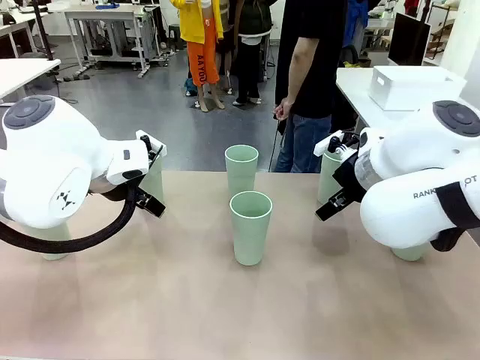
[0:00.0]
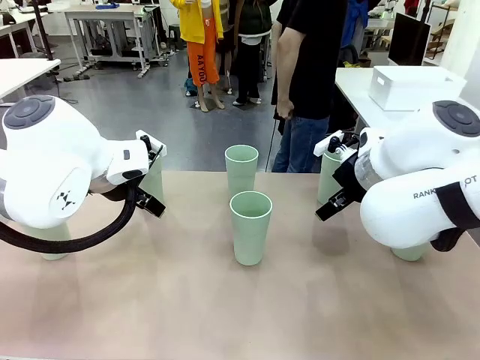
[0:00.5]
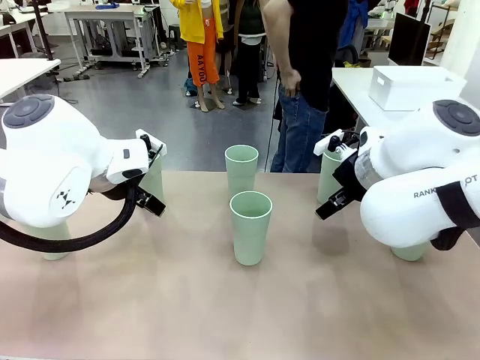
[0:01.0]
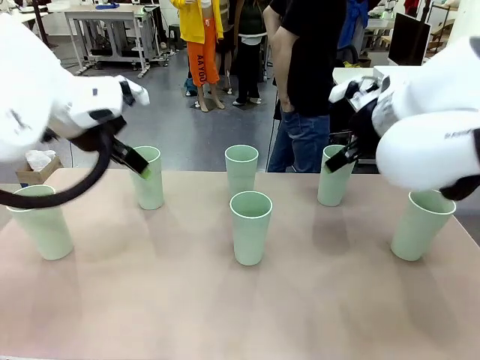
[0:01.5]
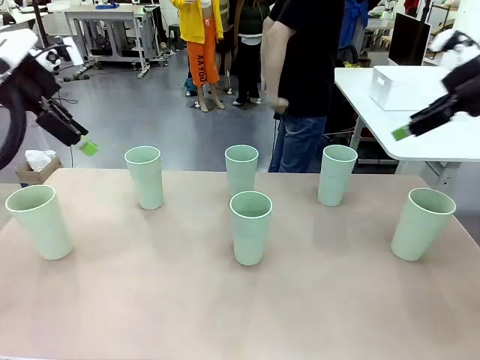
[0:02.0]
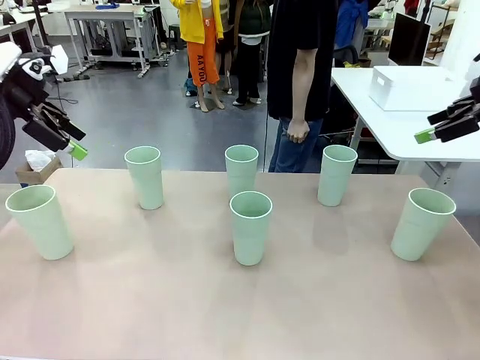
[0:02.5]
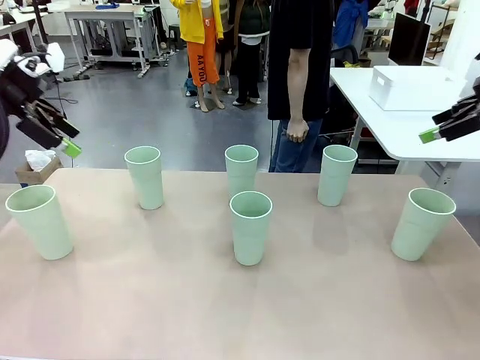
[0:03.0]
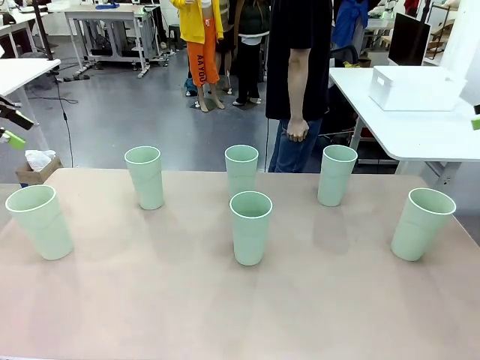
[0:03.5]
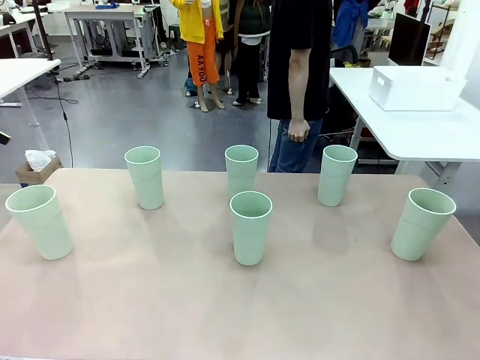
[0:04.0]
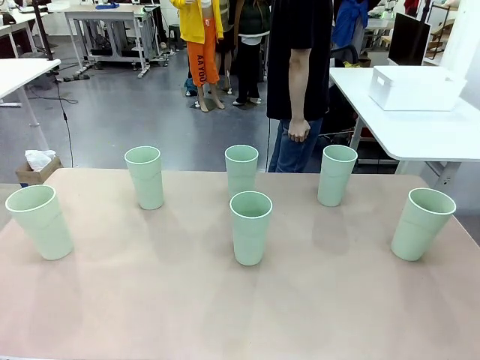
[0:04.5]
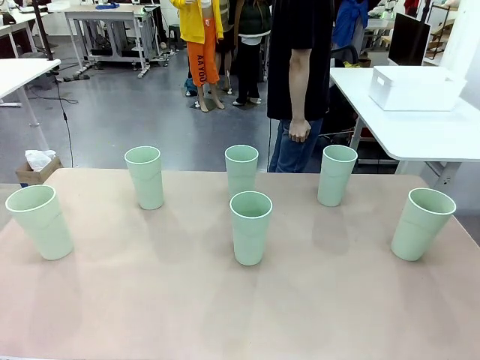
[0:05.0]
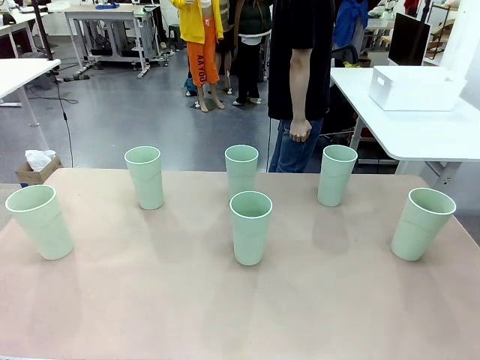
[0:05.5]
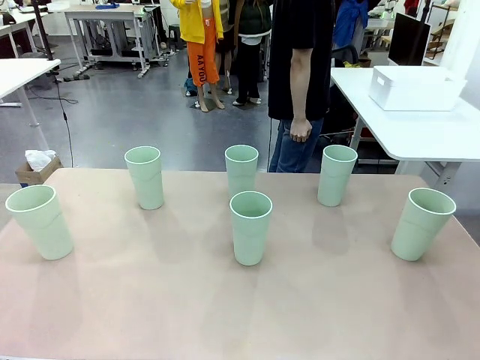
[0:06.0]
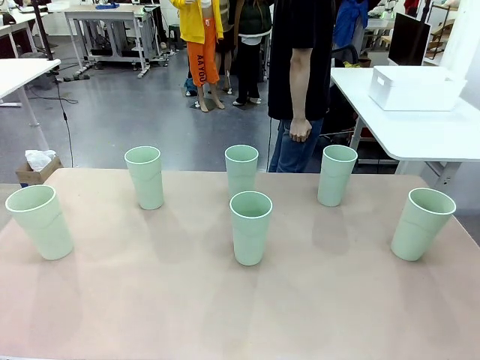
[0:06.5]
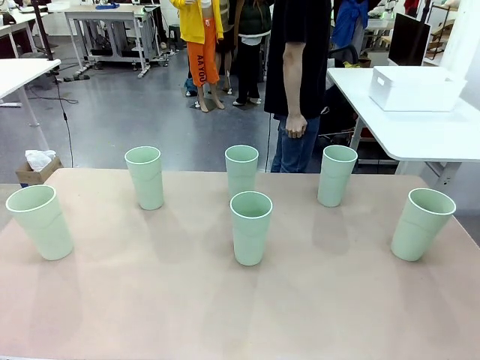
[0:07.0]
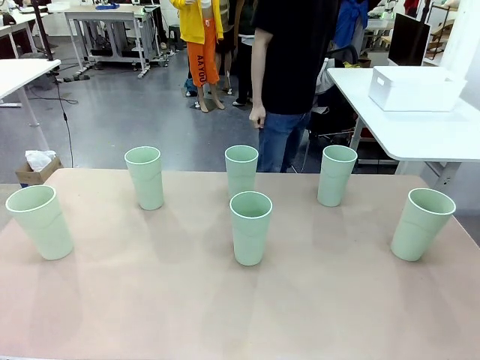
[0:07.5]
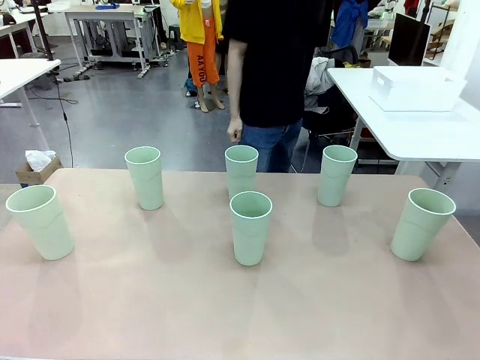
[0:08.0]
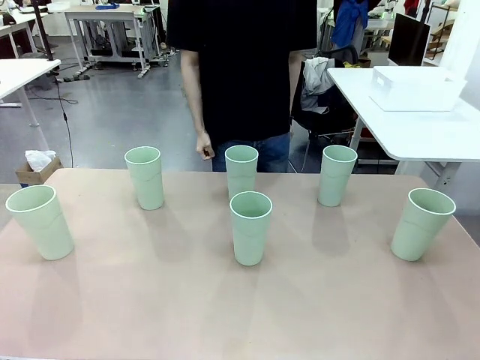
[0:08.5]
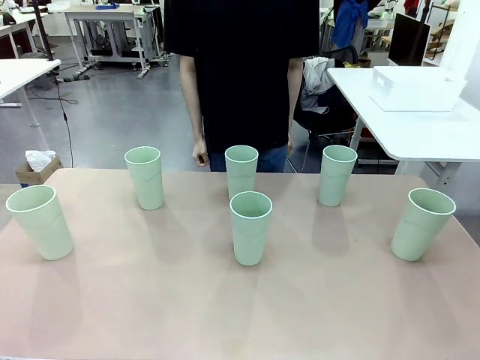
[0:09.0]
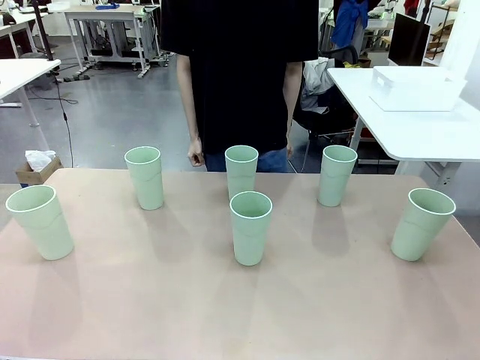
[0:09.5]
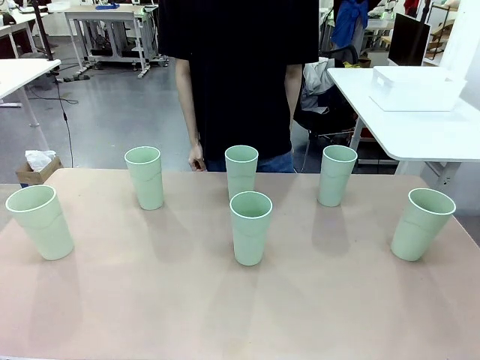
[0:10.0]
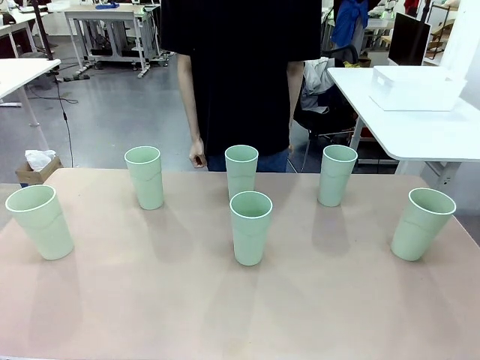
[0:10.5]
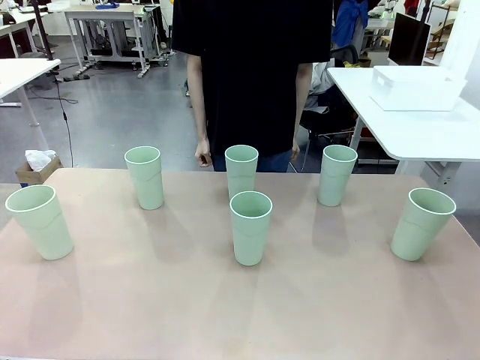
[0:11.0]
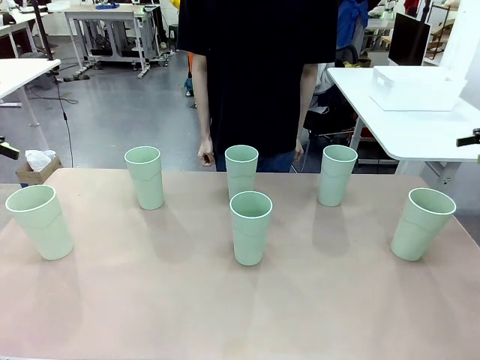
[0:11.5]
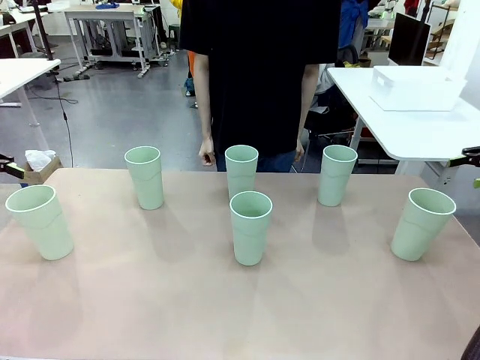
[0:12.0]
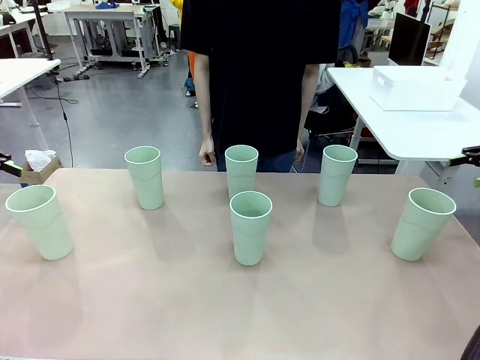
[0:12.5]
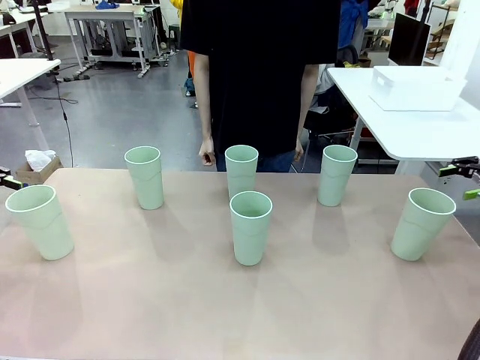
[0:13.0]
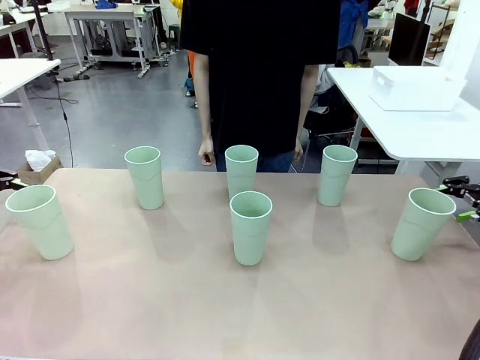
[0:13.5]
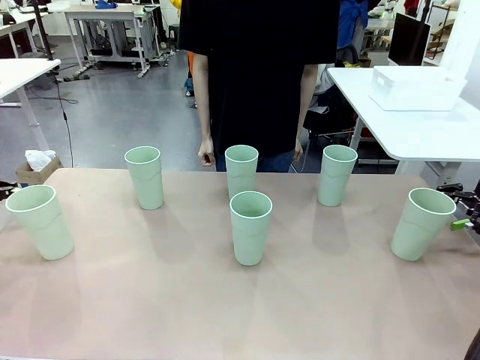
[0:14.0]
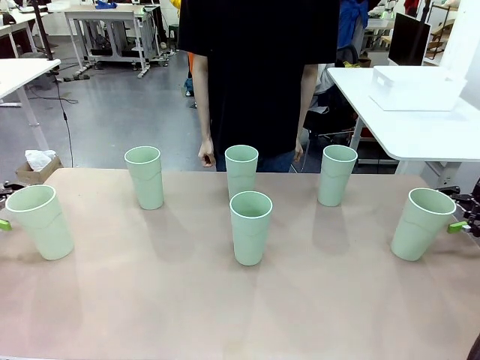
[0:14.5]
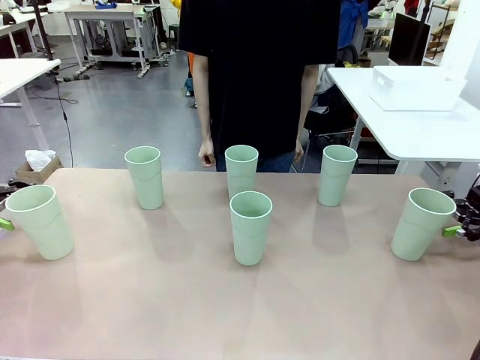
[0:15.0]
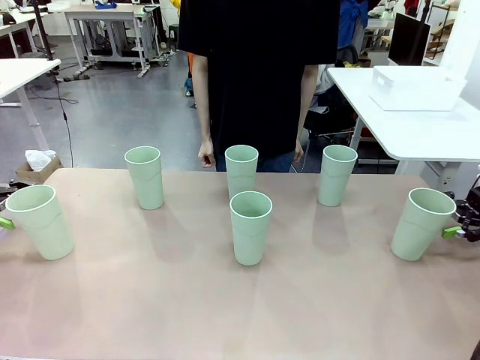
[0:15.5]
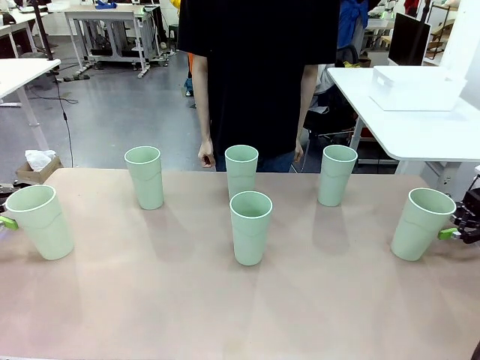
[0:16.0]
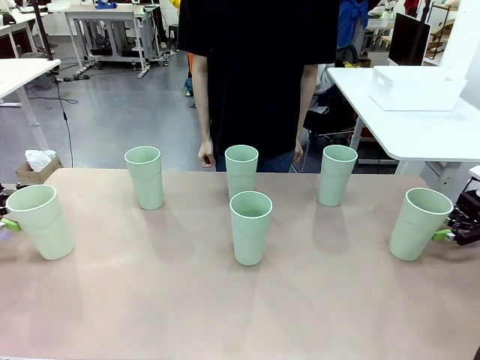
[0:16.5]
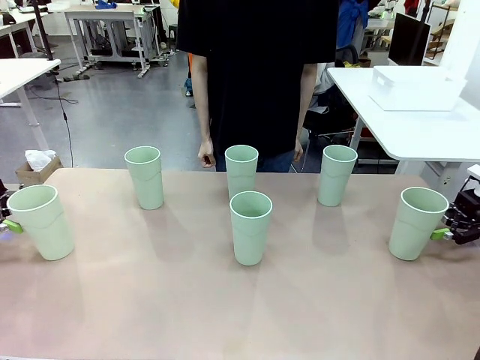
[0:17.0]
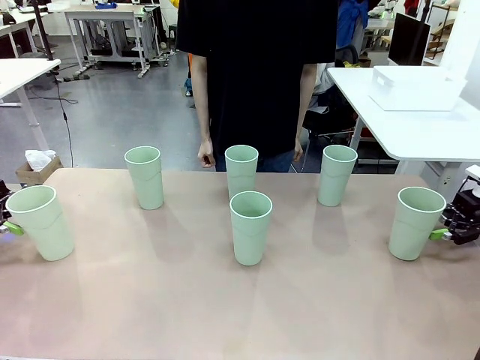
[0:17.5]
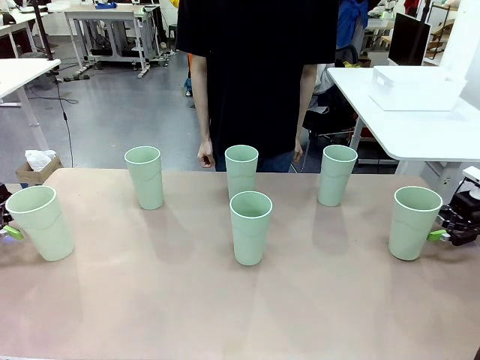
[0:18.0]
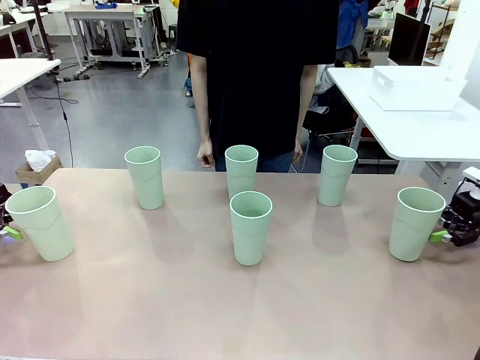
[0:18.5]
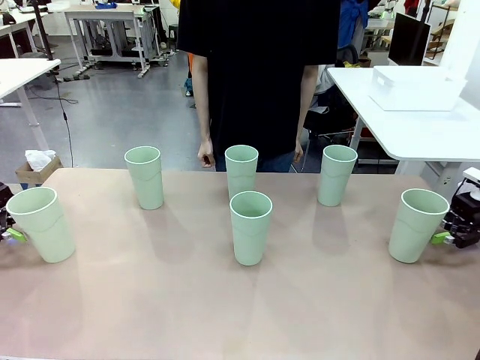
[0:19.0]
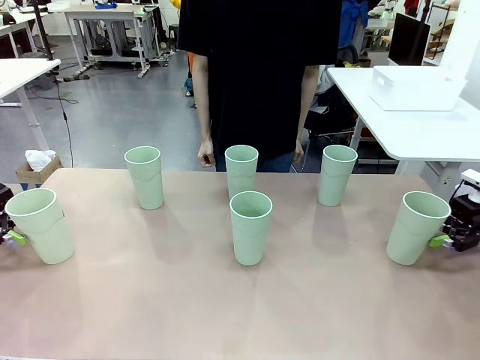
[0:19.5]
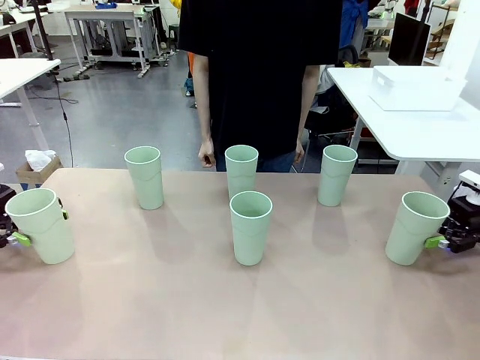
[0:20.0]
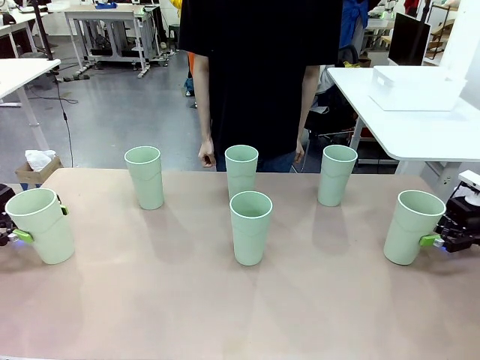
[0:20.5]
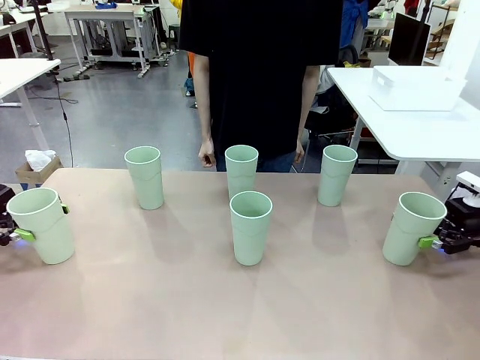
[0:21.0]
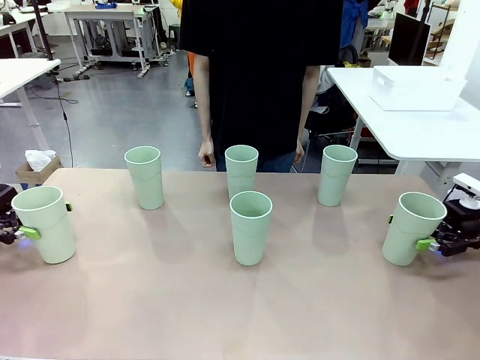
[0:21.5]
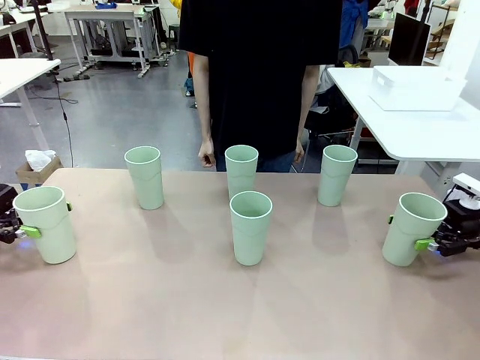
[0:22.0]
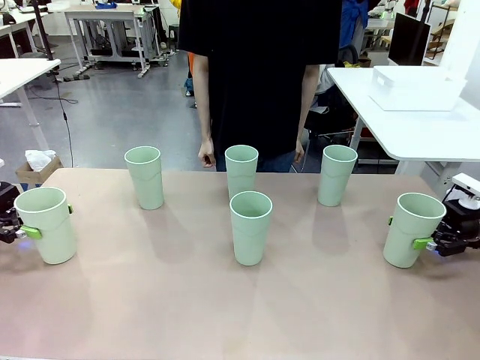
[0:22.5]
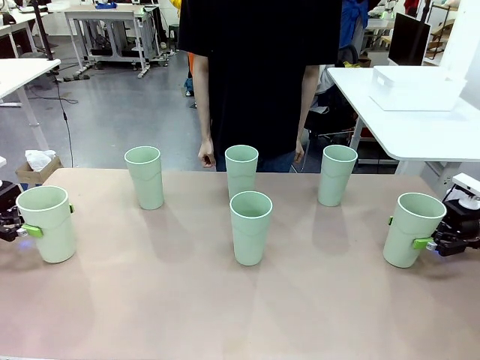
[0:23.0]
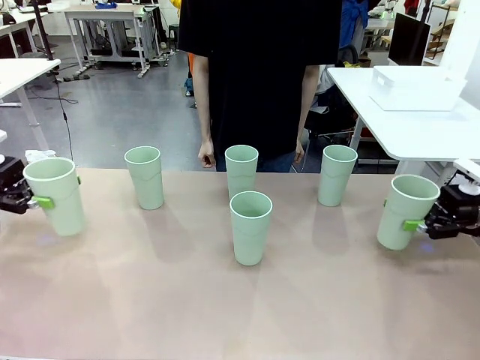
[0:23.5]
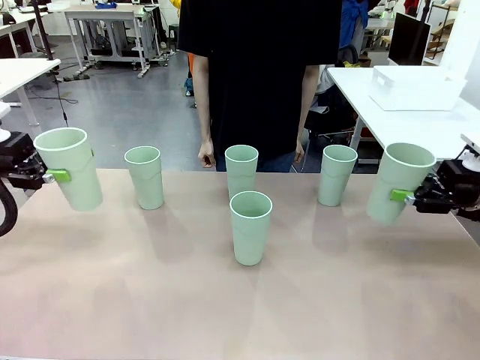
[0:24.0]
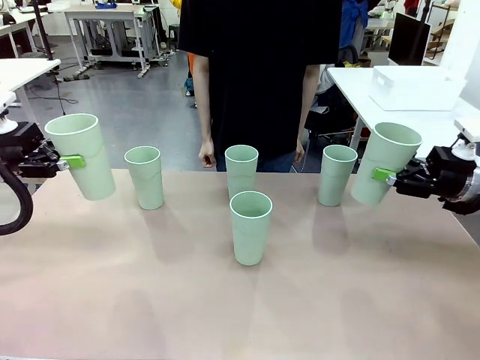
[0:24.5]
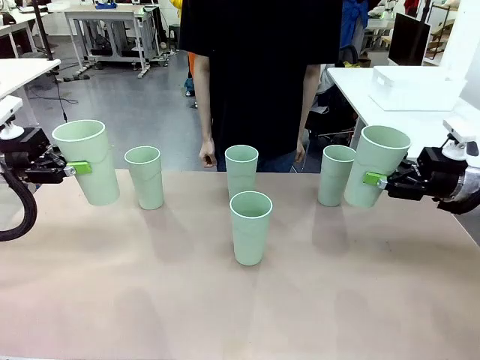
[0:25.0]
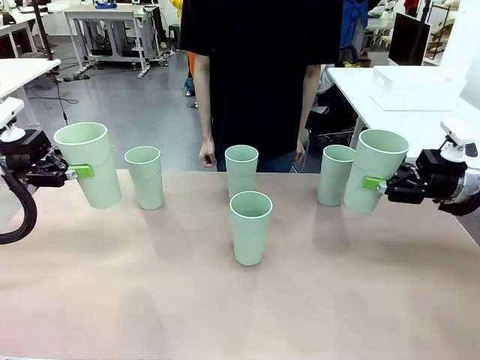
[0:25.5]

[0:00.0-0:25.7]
Task: Stack the cups and store them in the basket.
Robot: Pick up two Reusable plastic cups , one in each hand.
Person: Move from the Human Table to the front of the Robot Table. Stack two of the remaining cups on top of each cup held by the robot.
